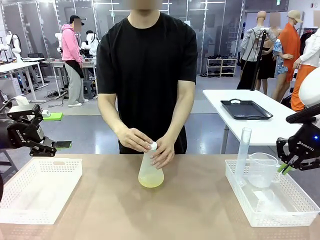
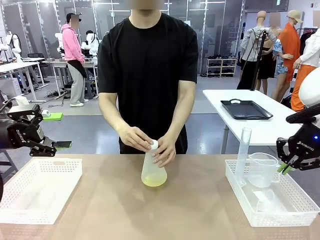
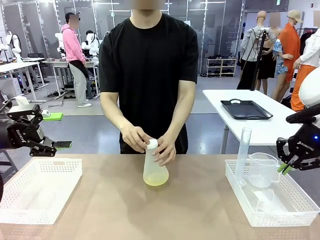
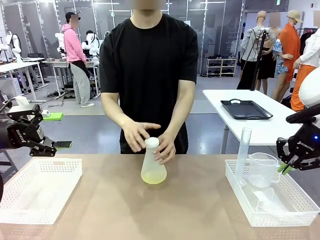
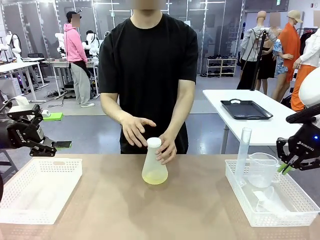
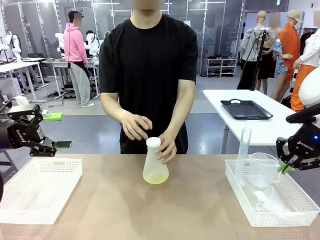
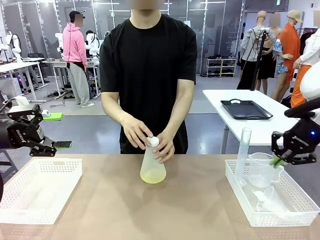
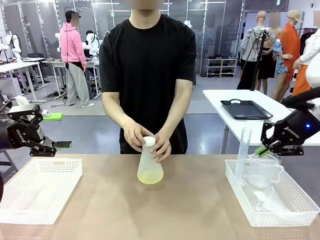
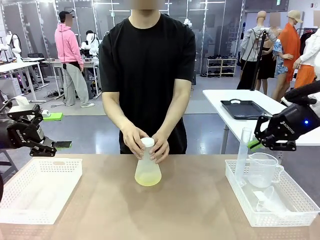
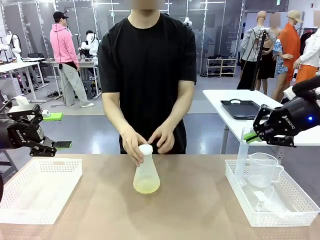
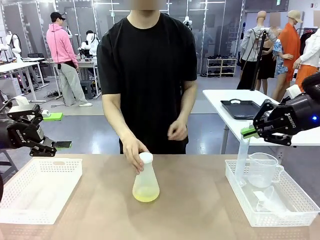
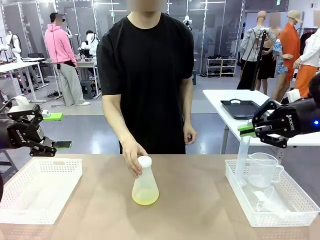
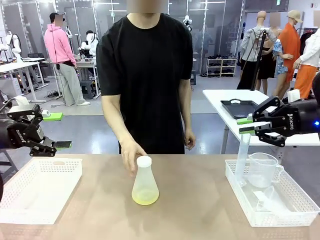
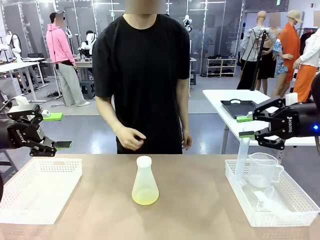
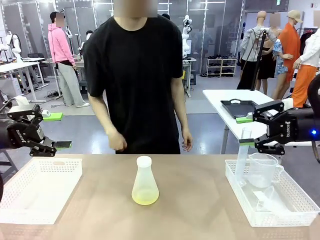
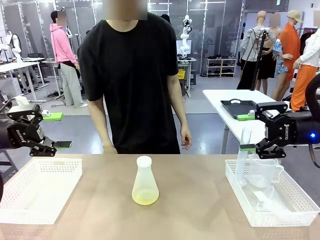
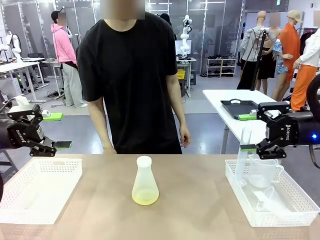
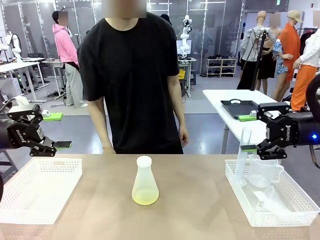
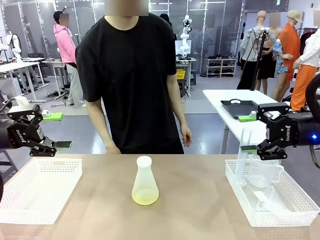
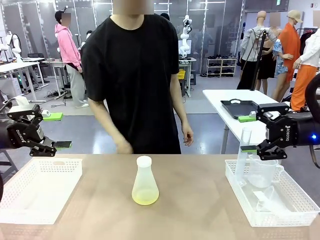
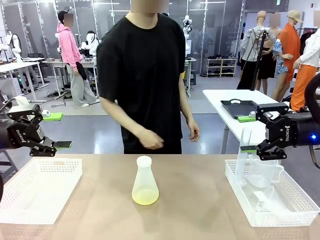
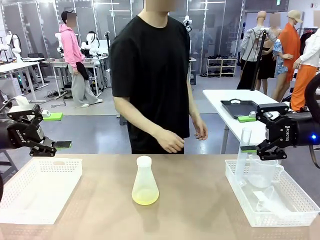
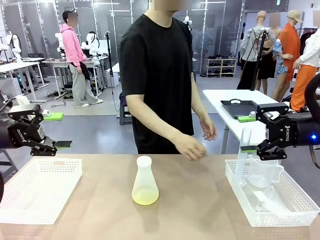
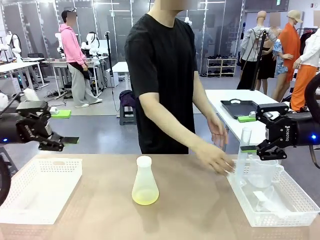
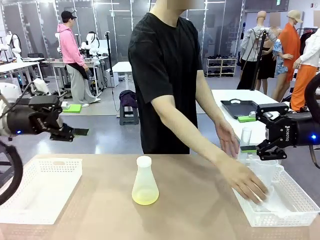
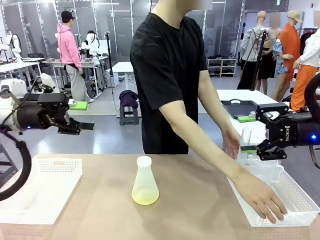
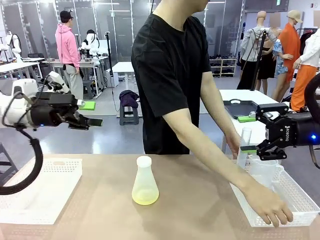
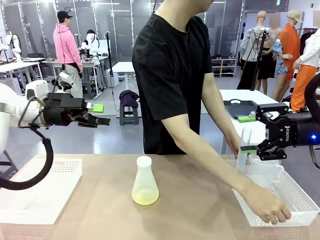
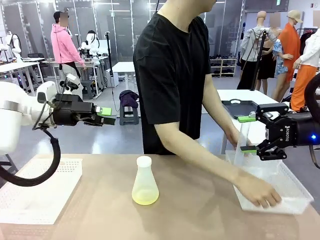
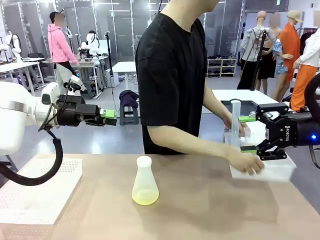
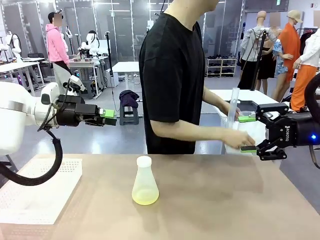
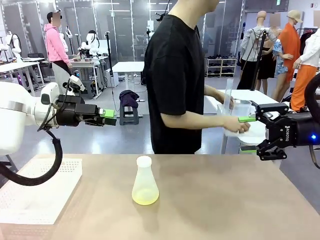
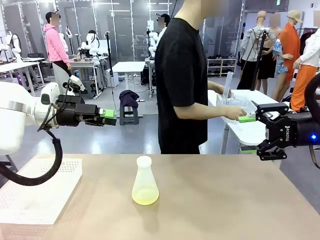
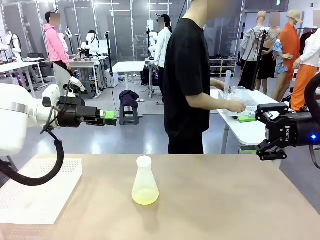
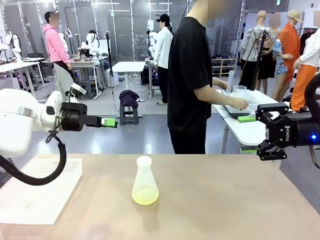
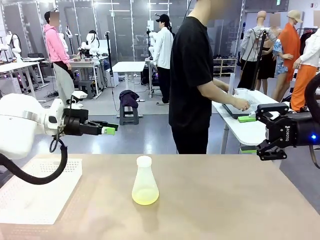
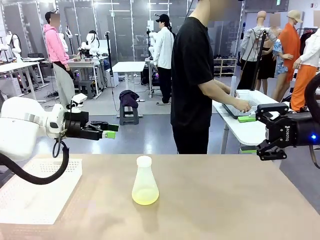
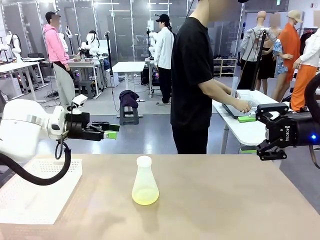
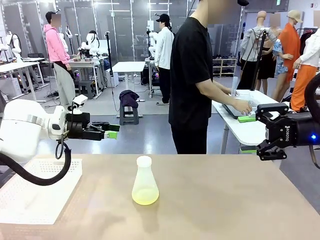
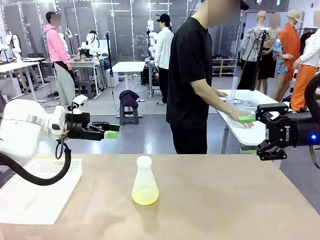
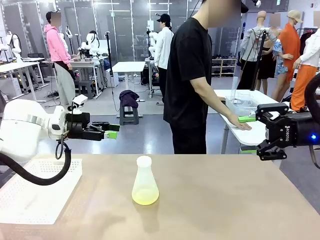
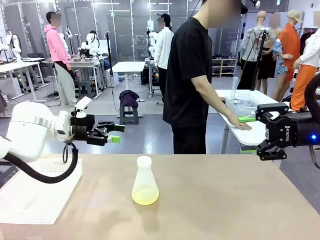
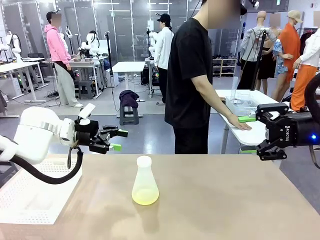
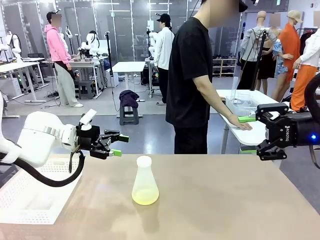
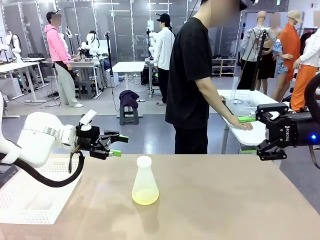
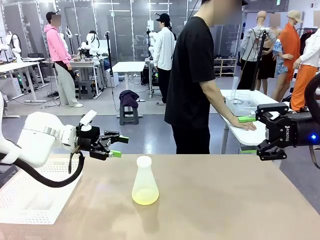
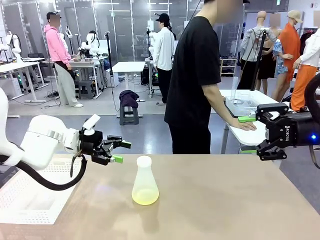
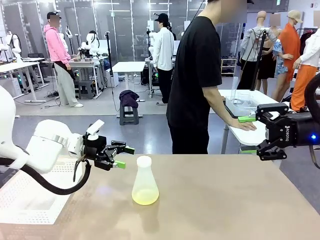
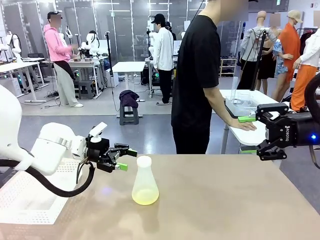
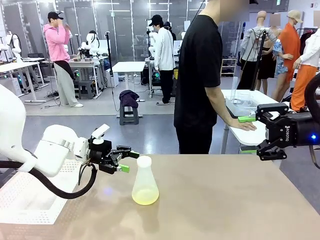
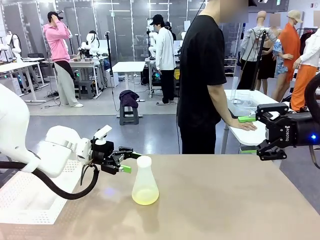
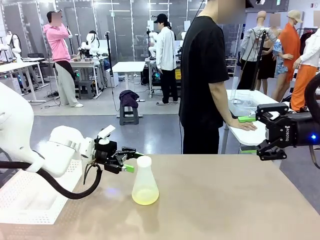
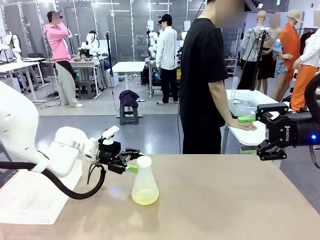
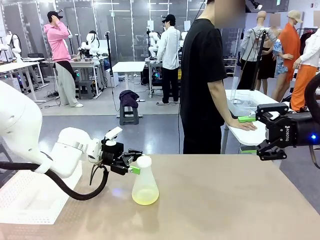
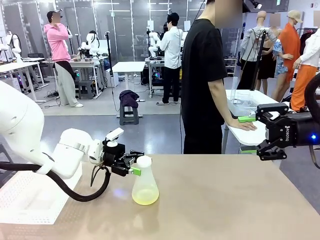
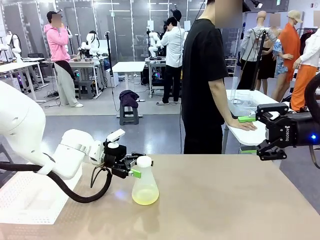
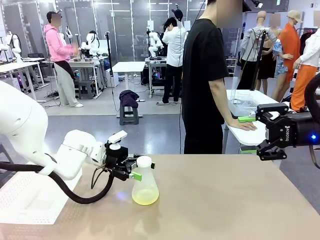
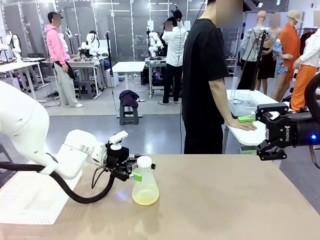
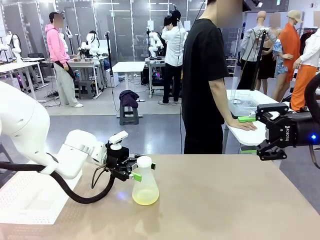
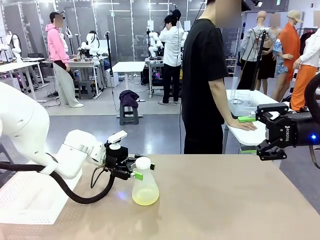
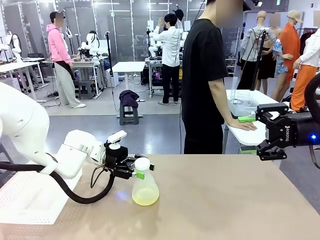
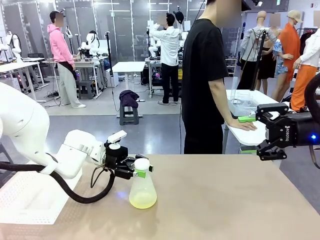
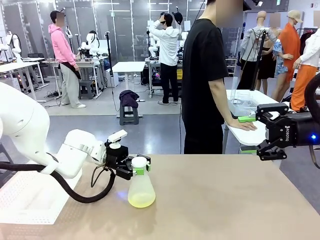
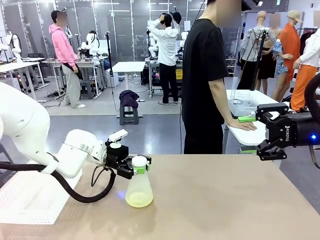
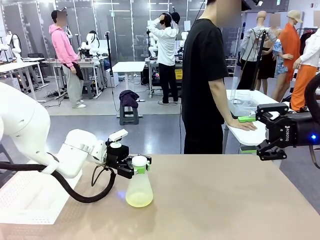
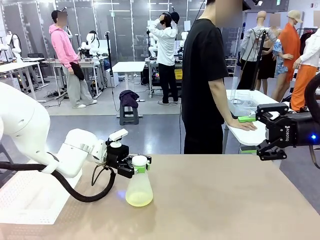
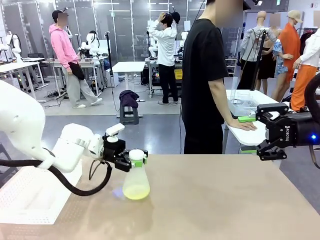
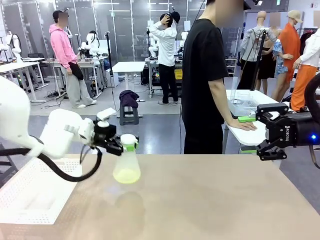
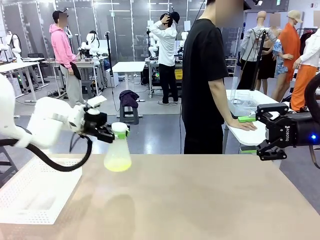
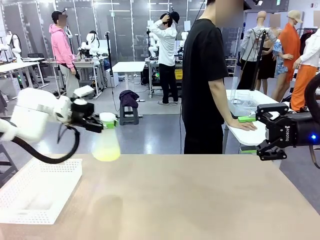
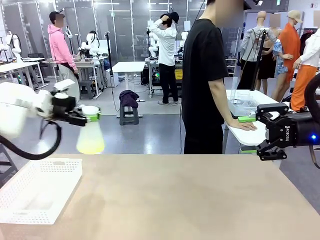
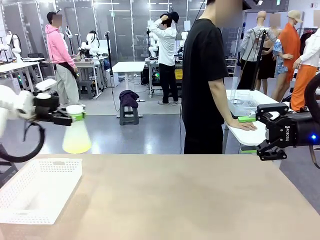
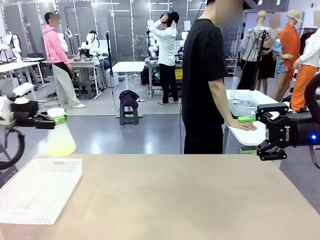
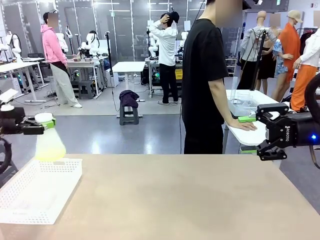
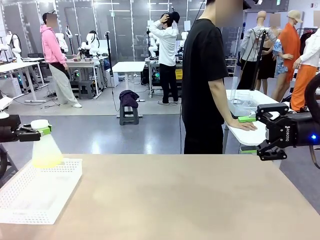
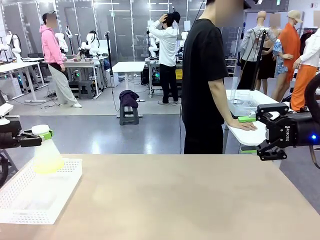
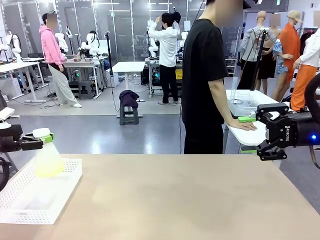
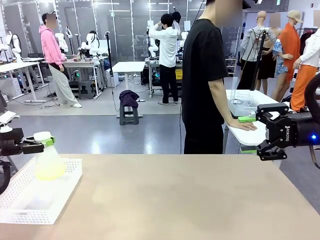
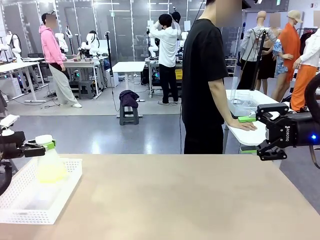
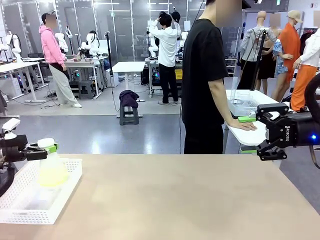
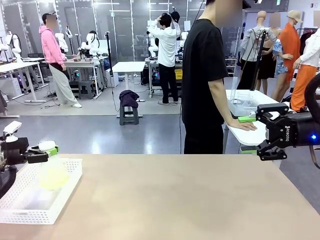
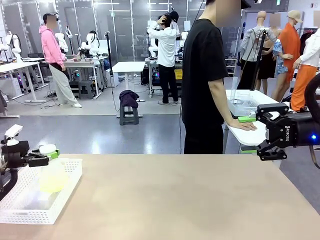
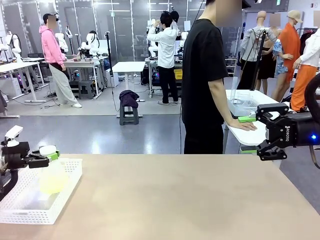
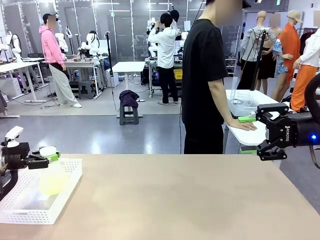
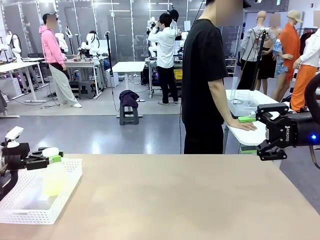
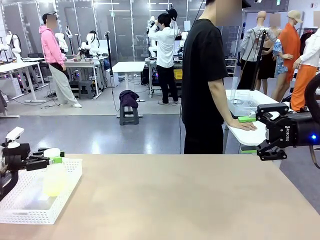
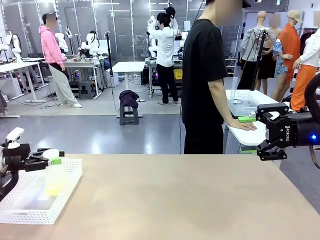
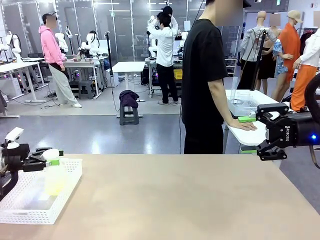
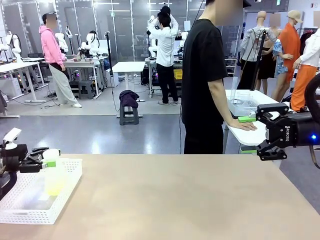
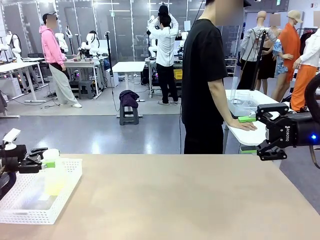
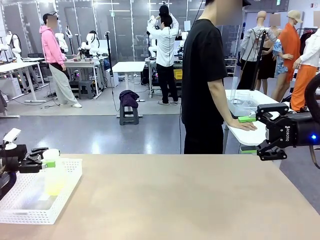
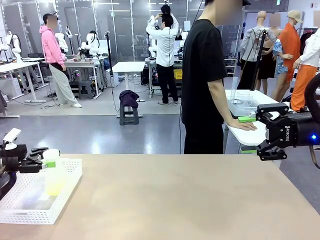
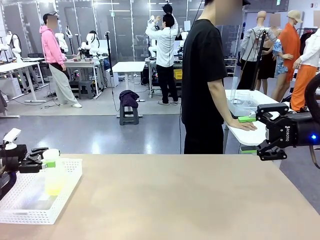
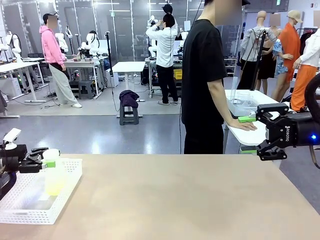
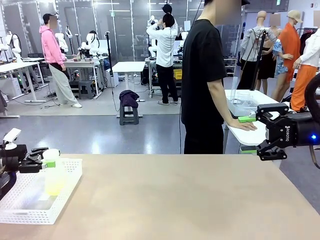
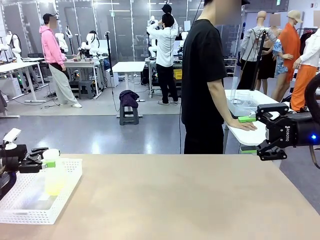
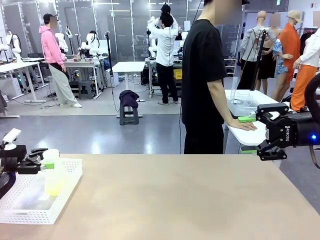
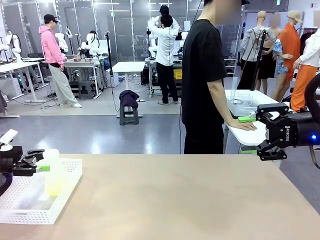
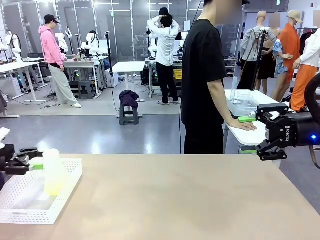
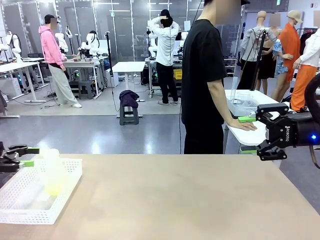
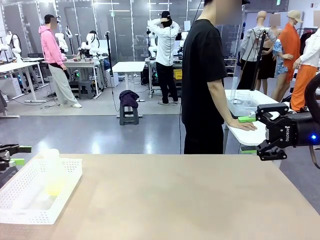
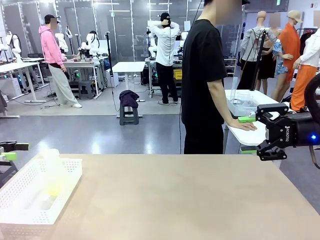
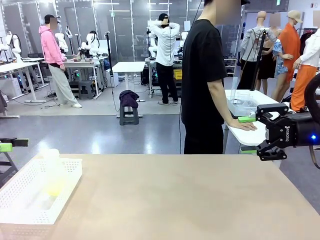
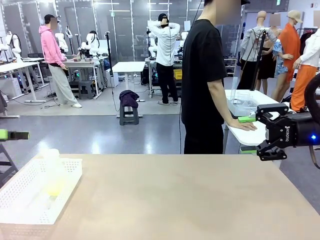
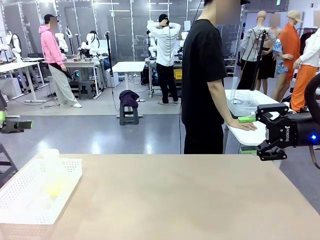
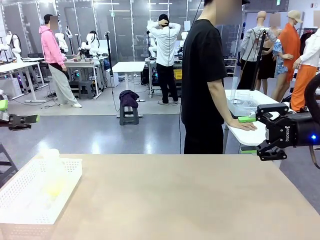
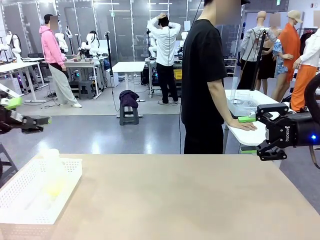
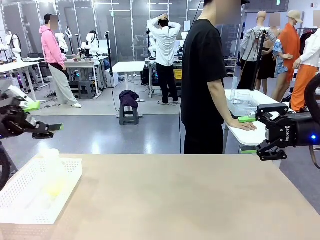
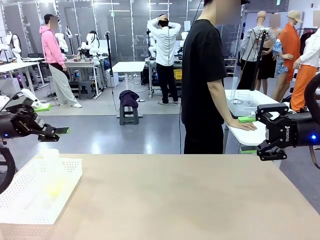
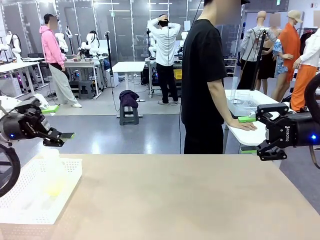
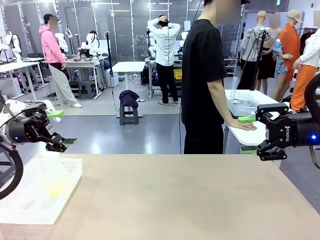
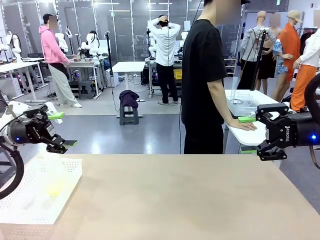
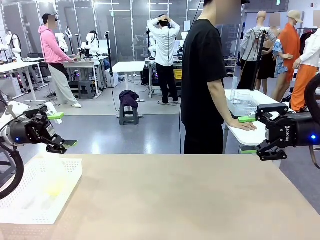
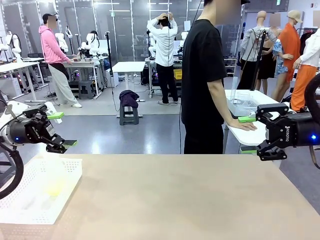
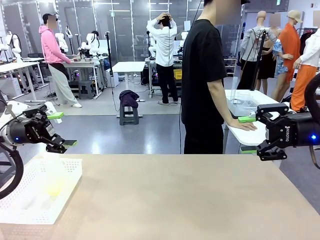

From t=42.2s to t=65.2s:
Task: Prepare the solutions needed for the experiment.
Robot: When the human places the Big flask in the center of the table, pick up the Big flask and place it in the left Organizing basket.
Person: Pick up the organizing basket on the left side of the robot table and place it on the left side of the human table.
